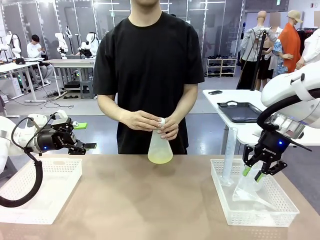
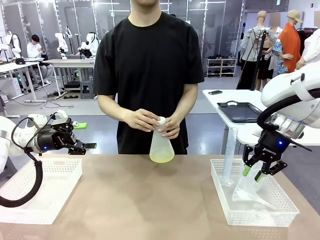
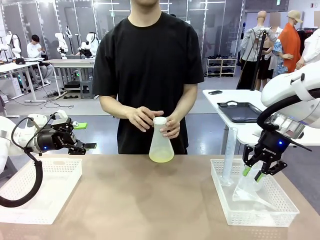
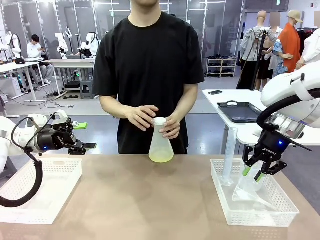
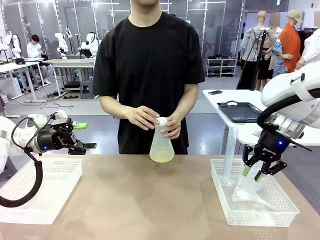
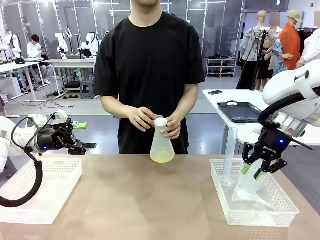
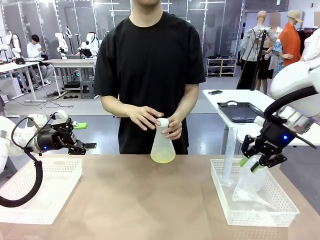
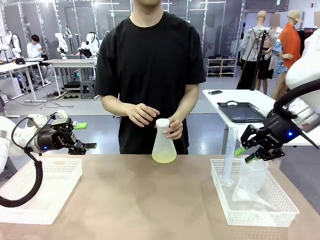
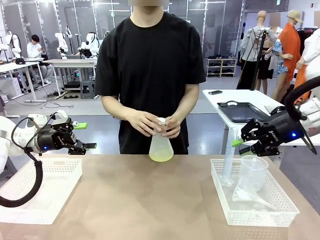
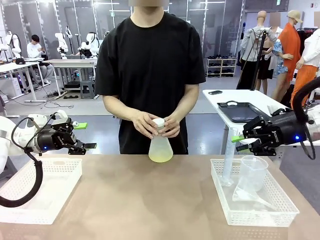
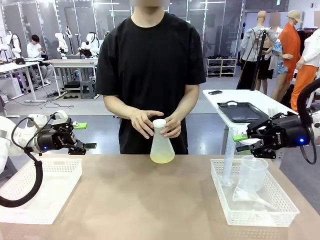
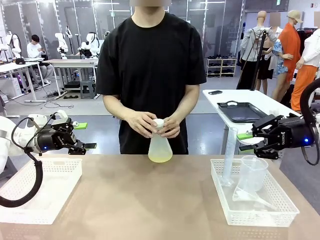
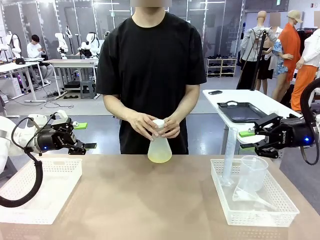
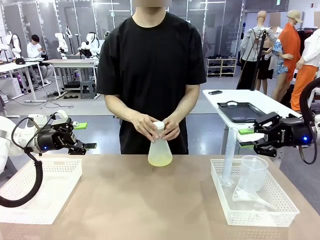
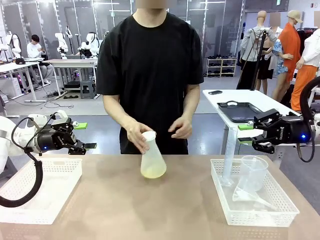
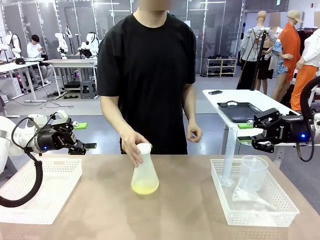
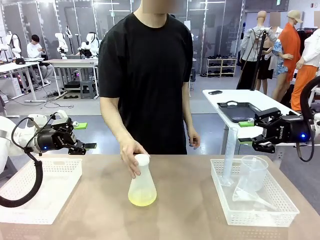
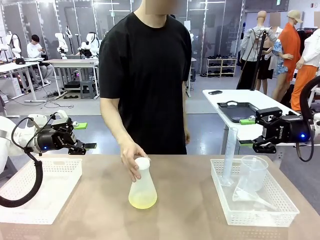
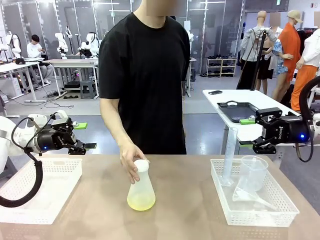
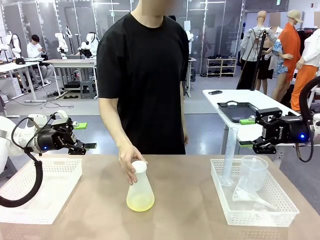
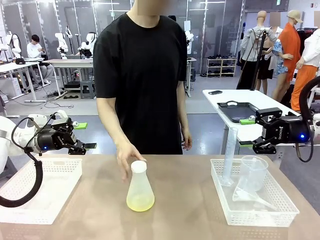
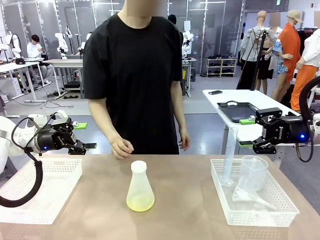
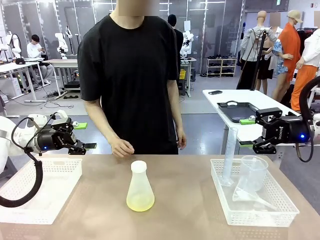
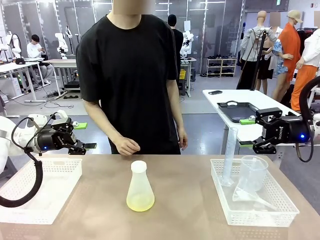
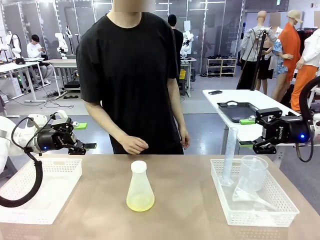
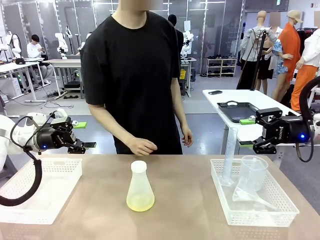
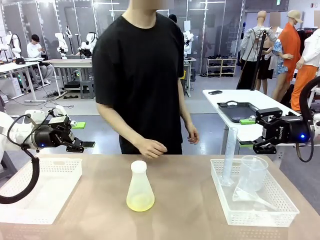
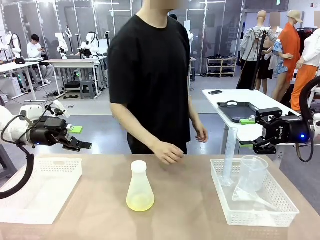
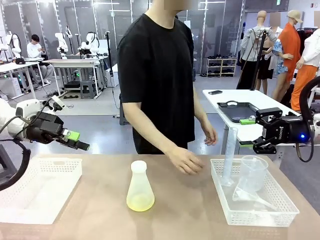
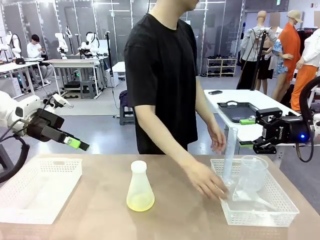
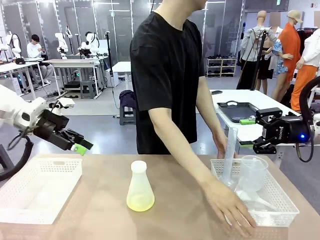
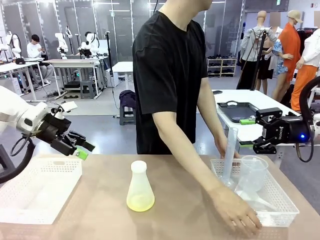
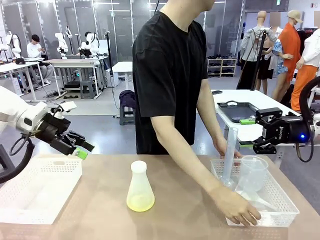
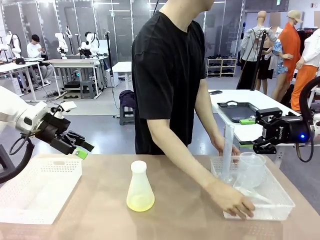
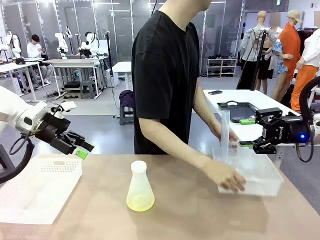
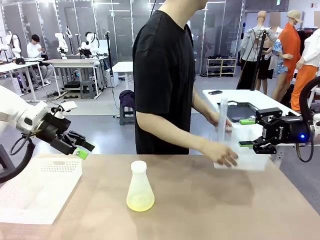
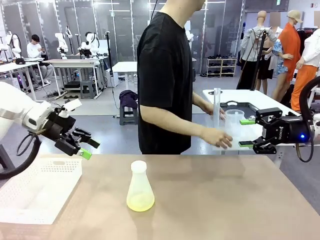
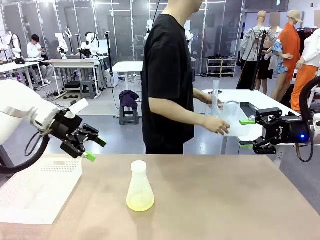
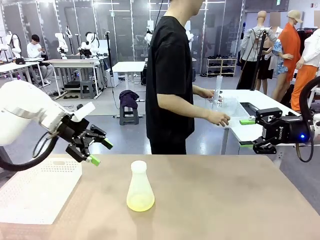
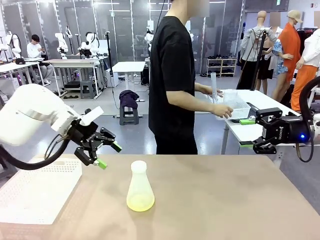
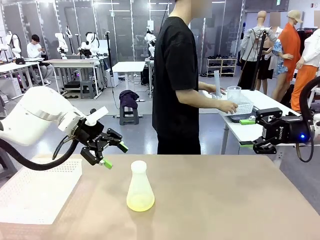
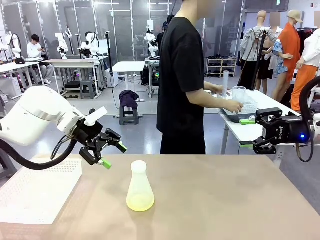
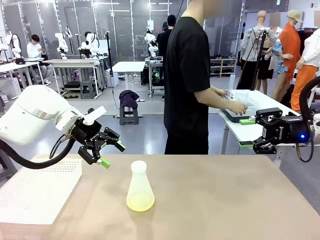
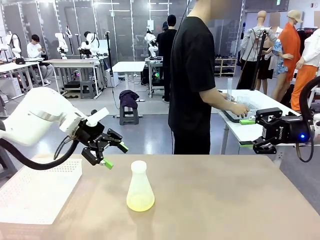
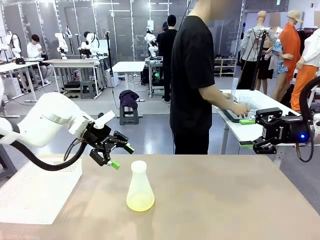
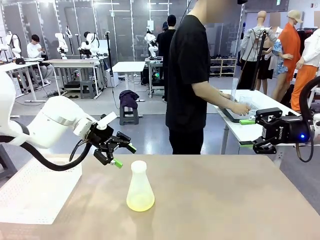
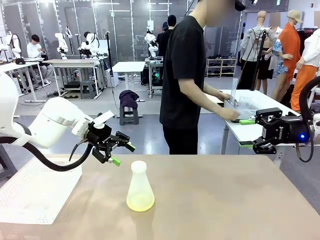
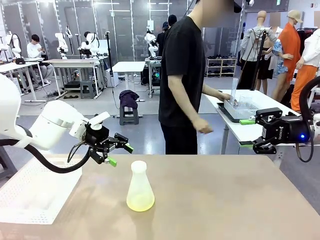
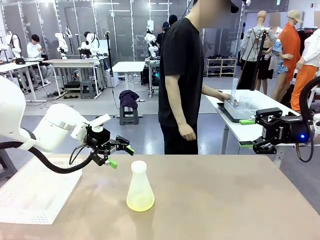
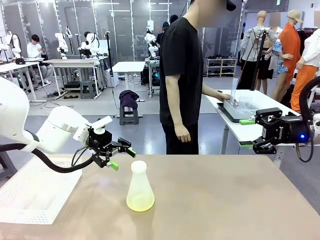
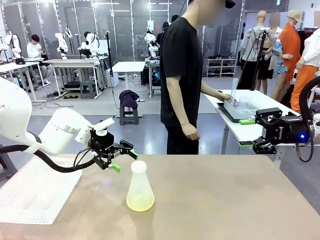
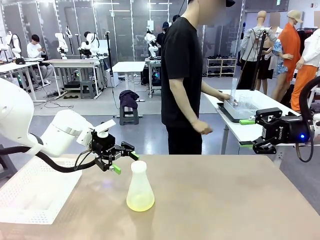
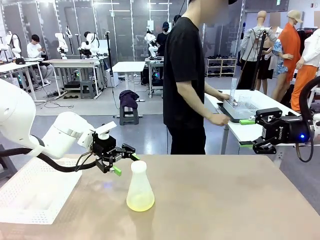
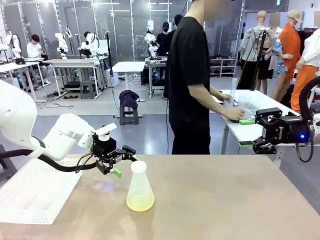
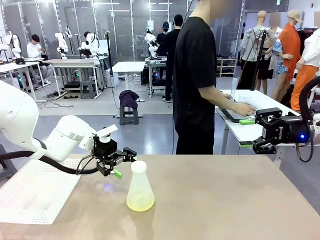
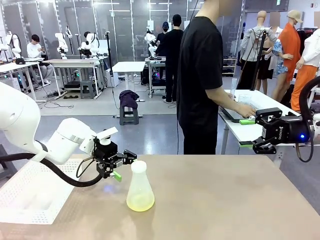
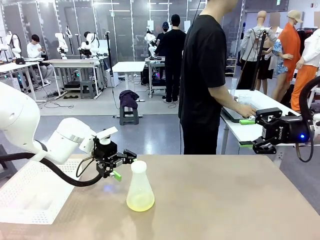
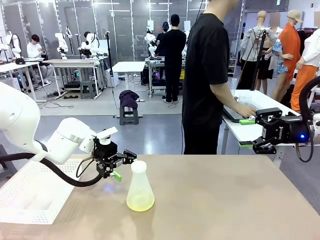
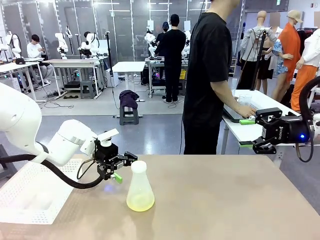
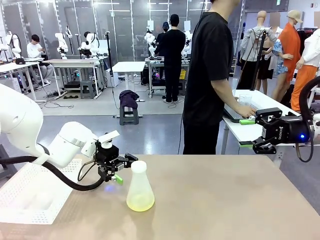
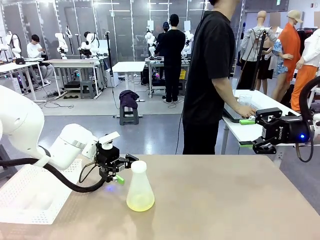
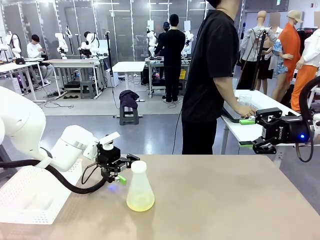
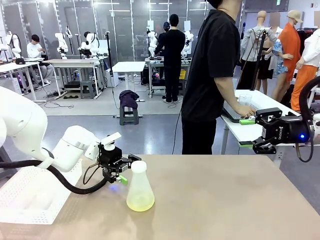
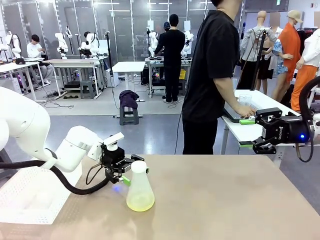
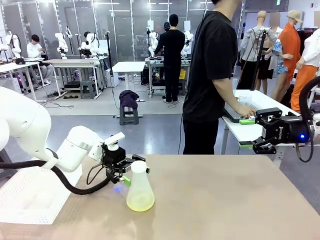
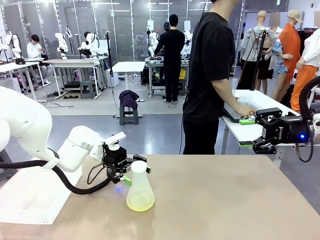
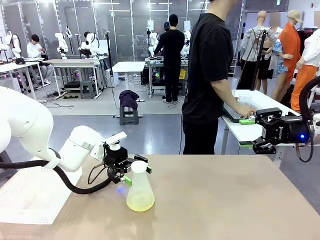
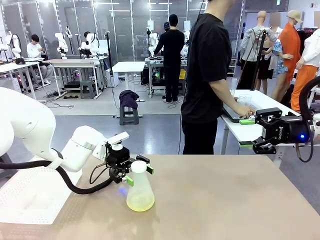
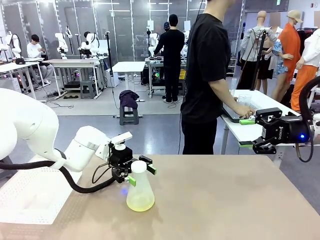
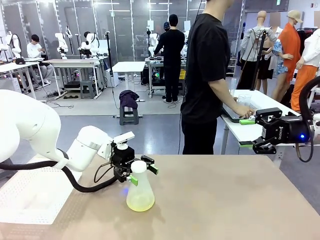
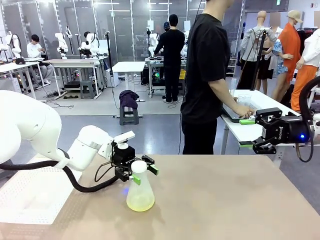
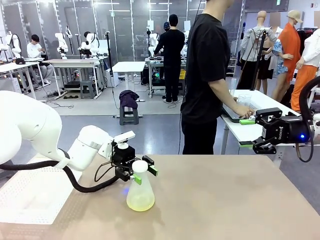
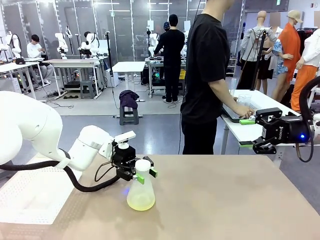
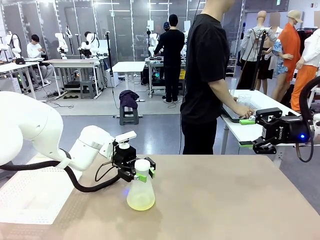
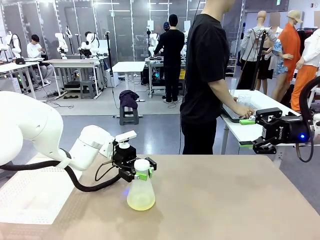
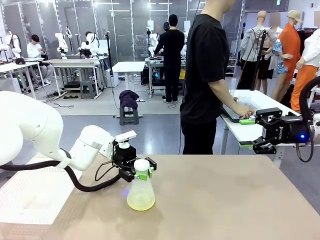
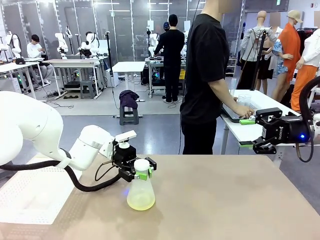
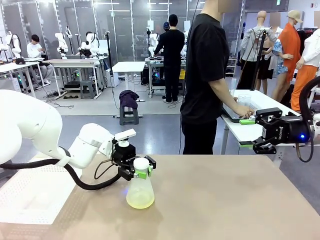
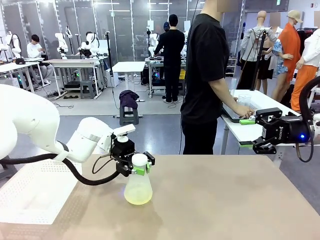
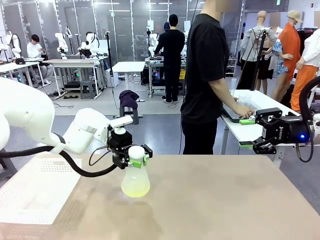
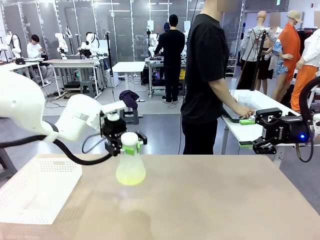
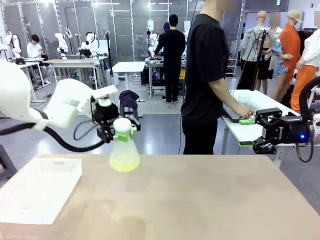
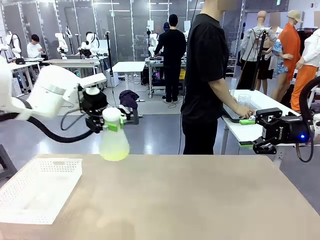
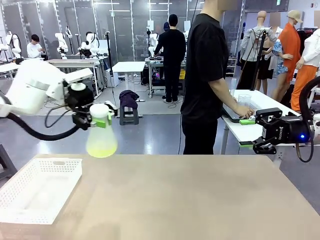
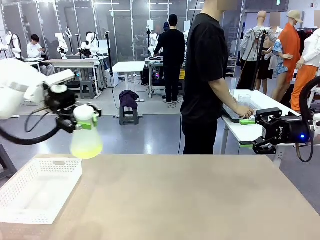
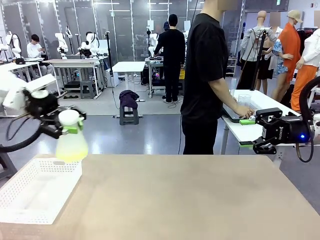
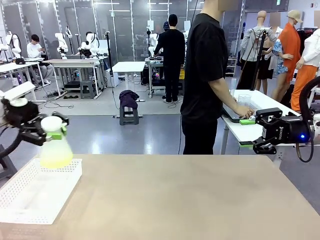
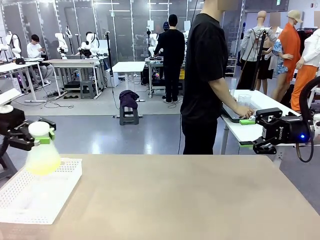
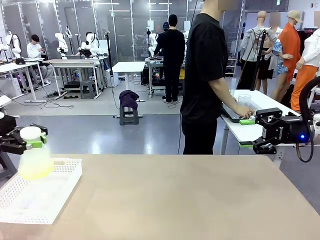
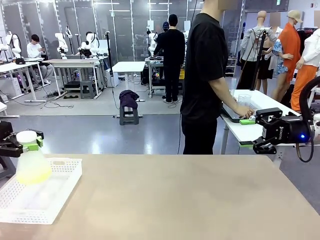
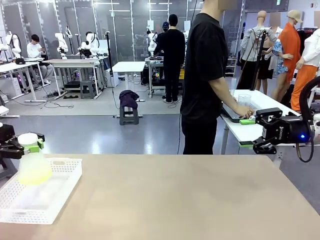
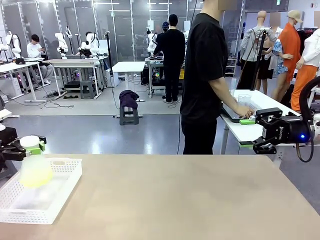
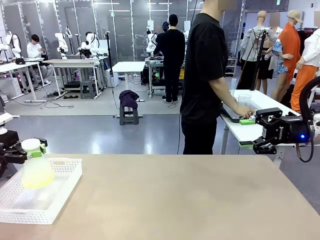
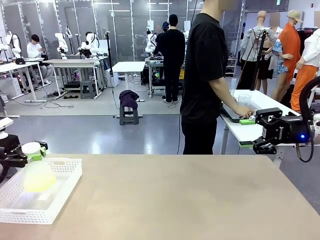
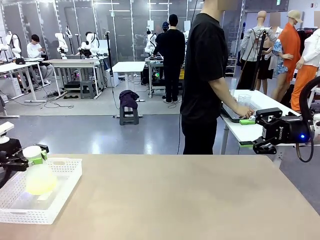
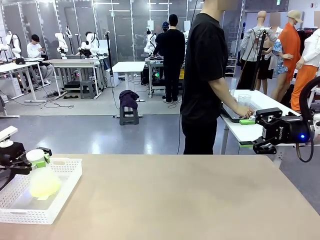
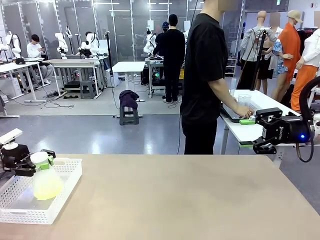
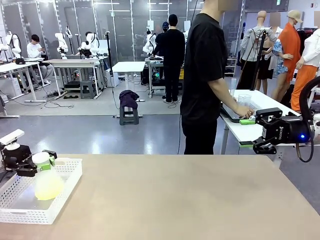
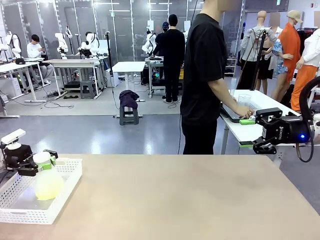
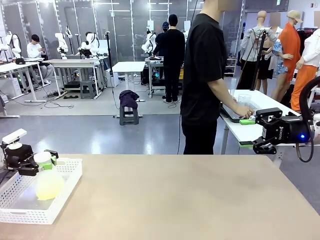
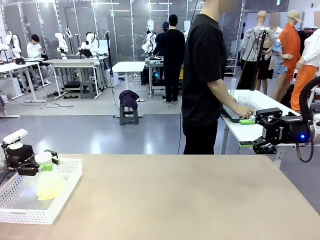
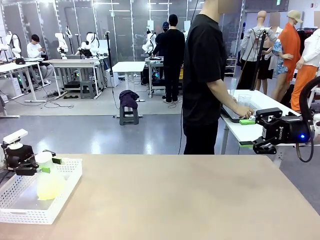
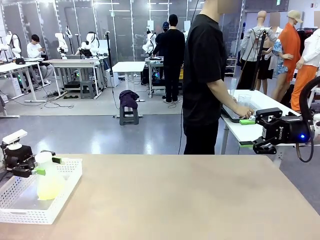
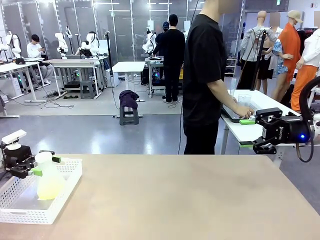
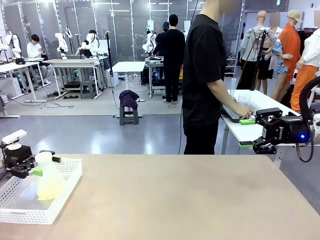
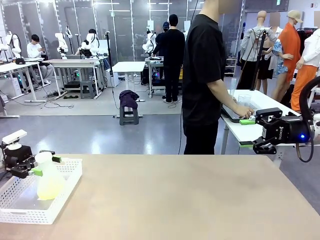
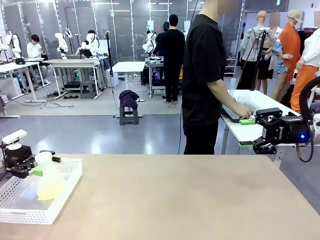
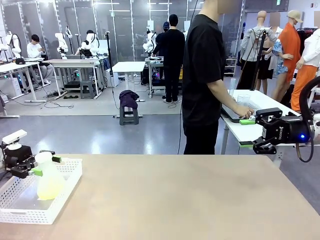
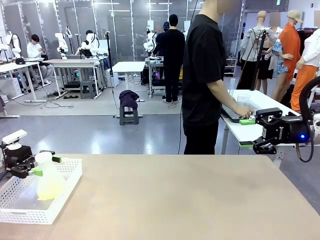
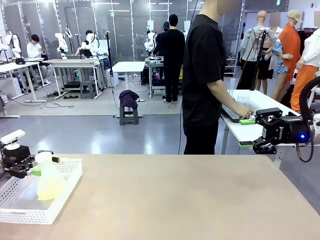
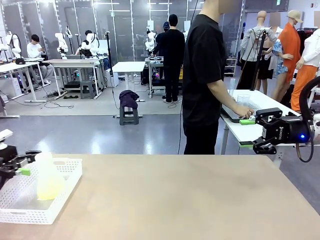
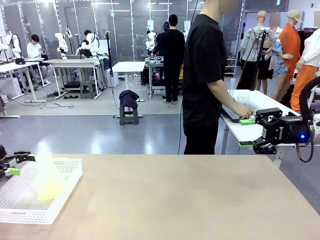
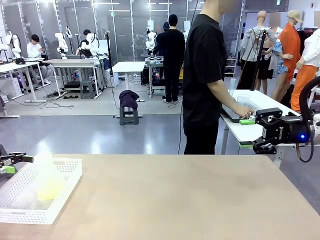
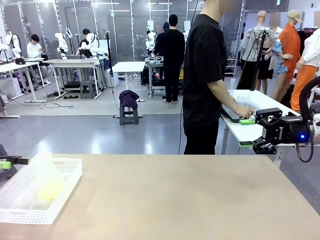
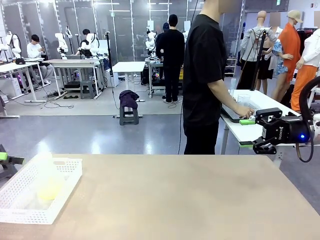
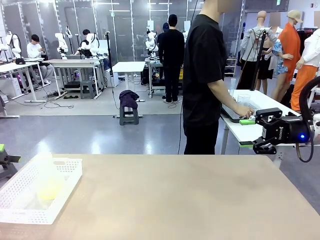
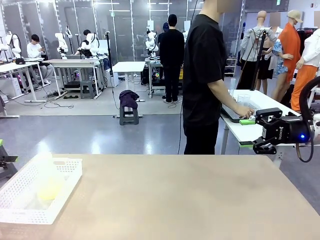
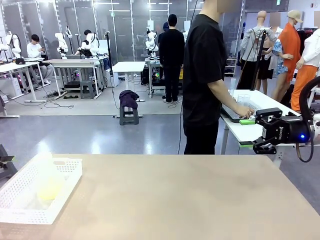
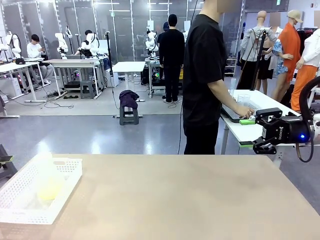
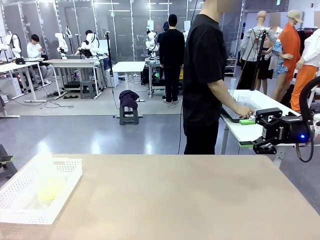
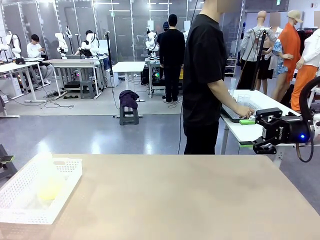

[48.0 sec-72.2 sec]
Task: Prepare the solutions needed for the experiment.
Robot: When the human places the Big flask in the center of the table, pick up the Big flask and place it in the left Organizing basket.
Person: Pick up the organizing basket on the left side of the robot table and place it on the left side of the human table.
